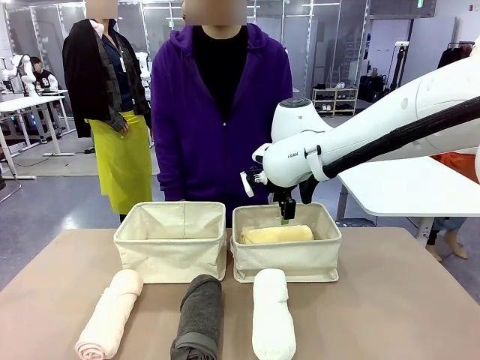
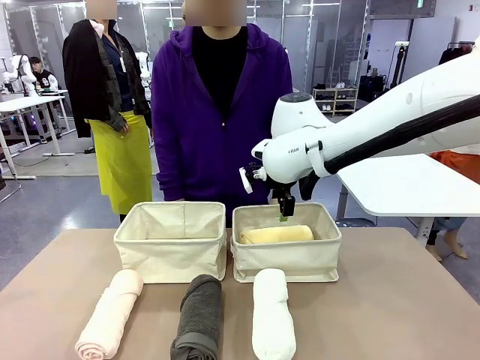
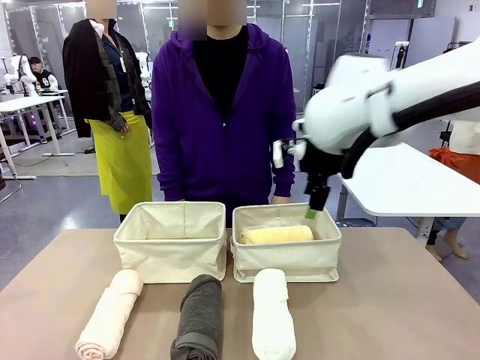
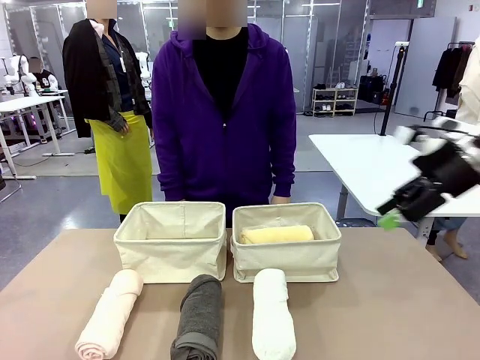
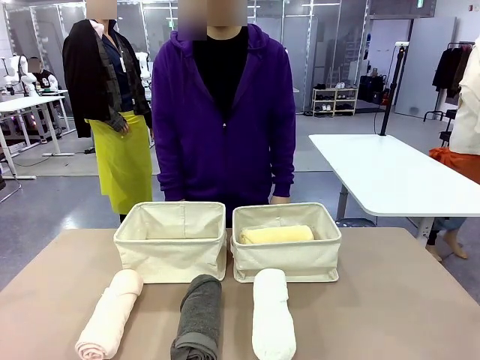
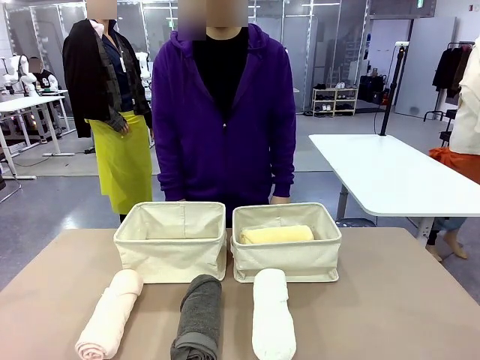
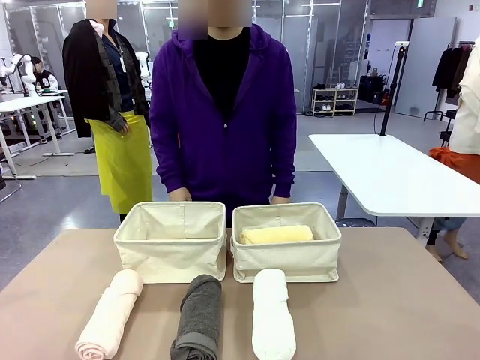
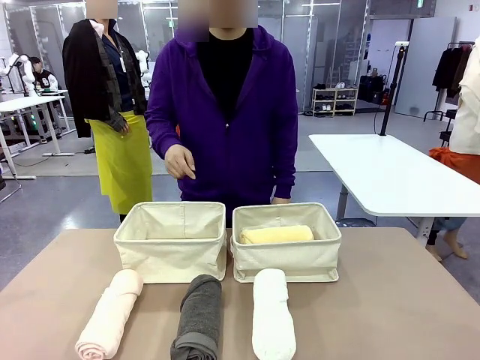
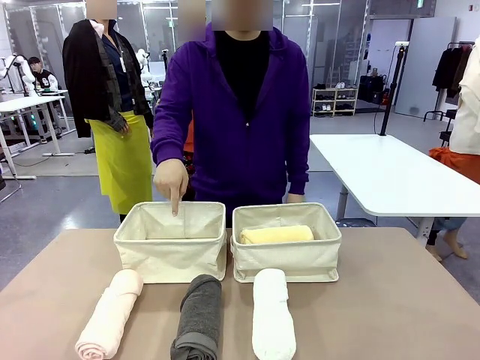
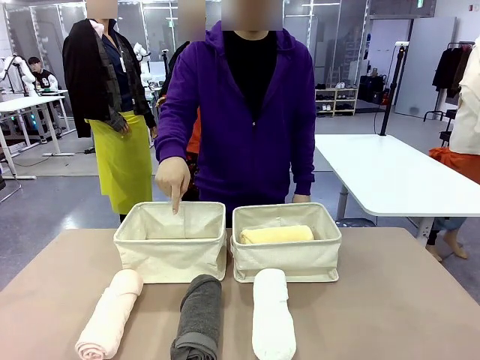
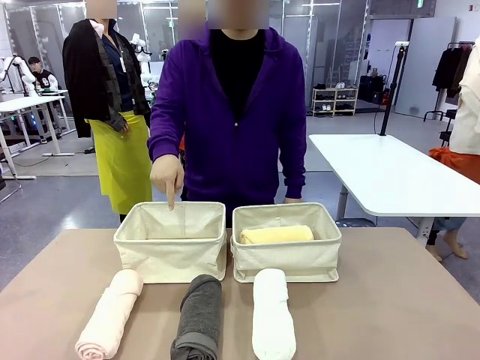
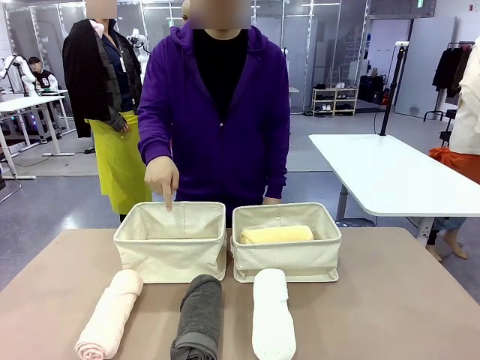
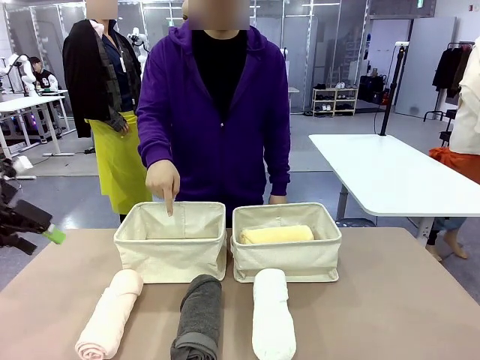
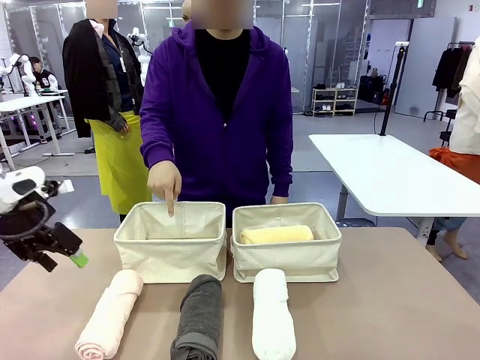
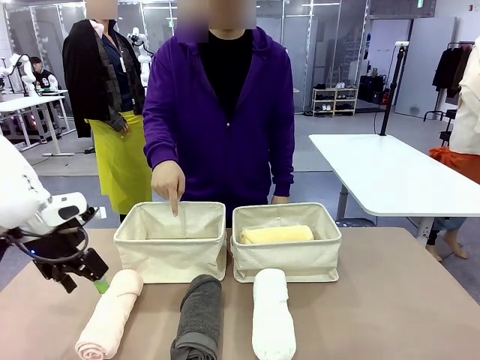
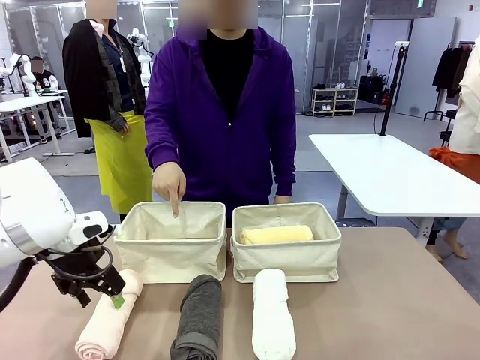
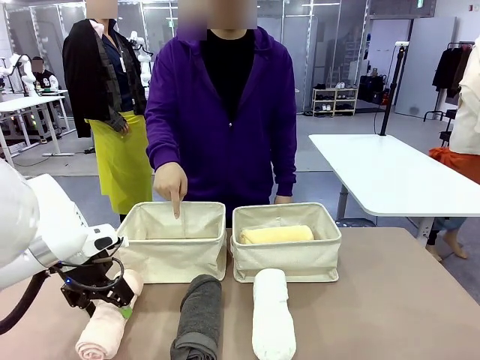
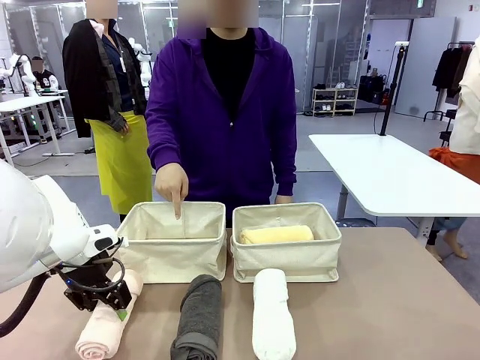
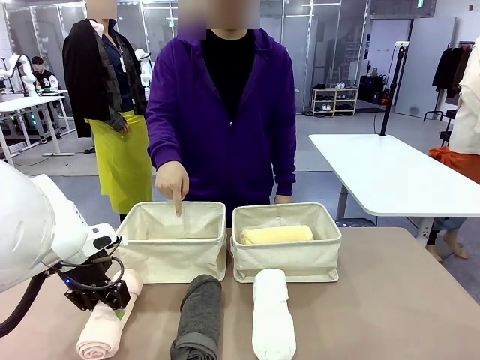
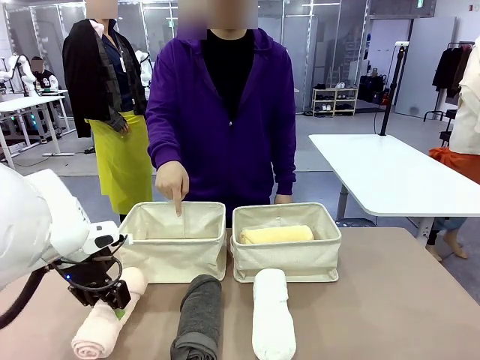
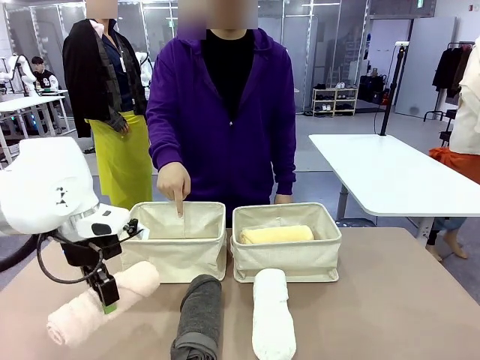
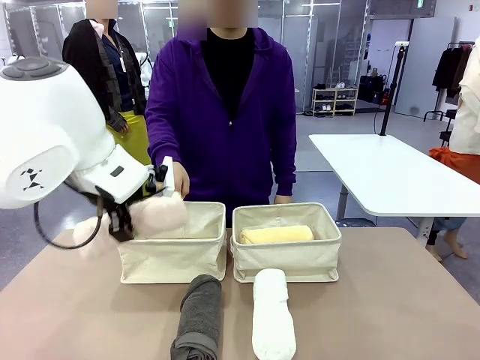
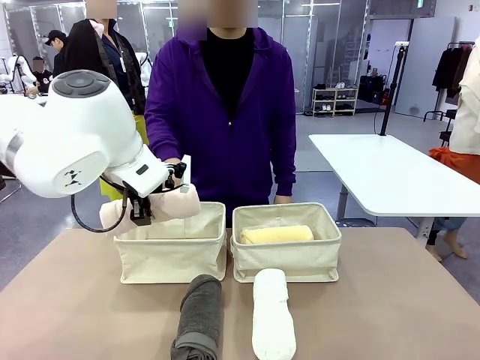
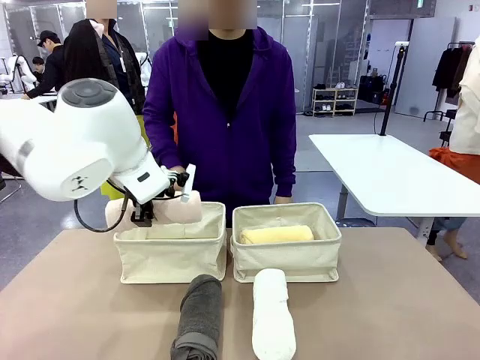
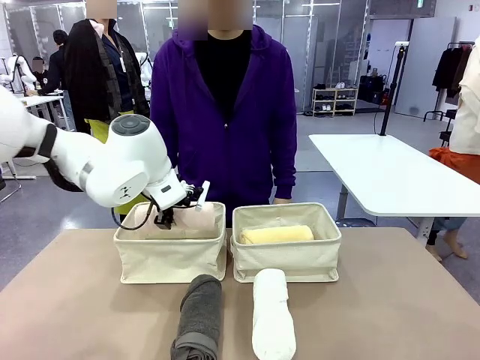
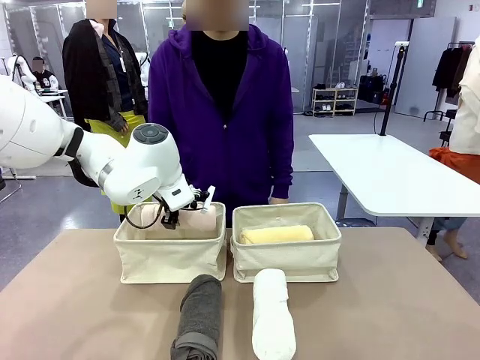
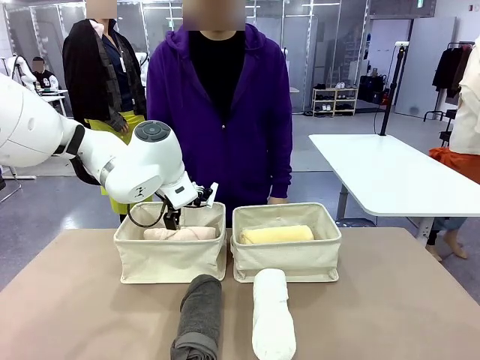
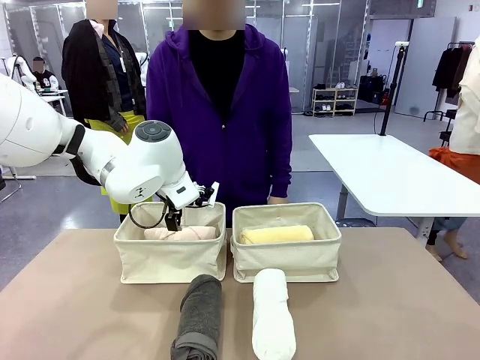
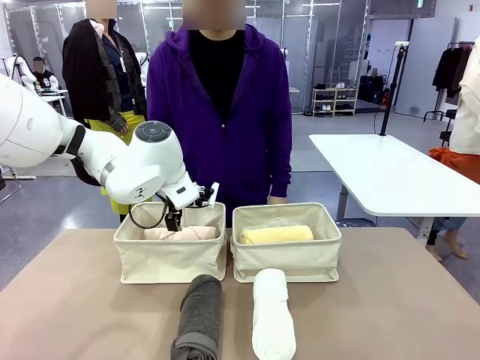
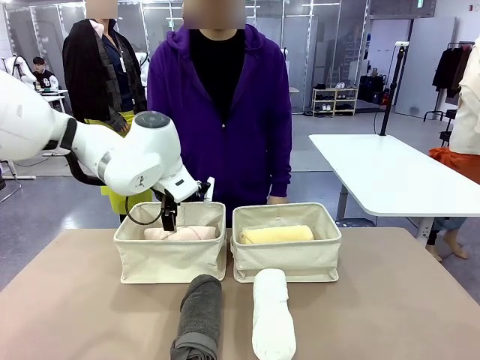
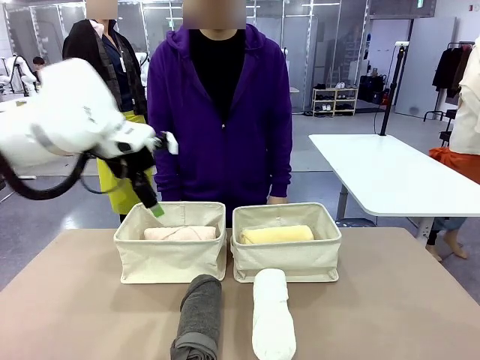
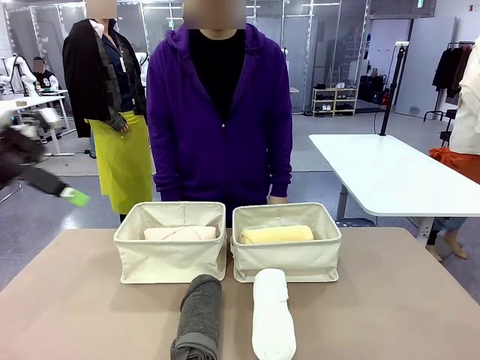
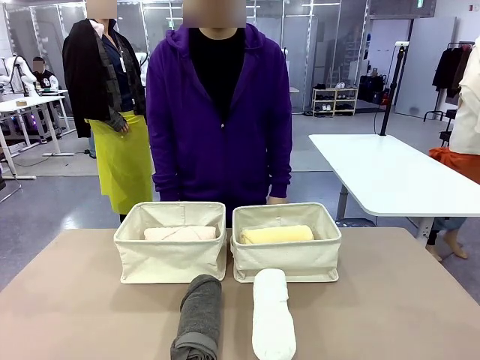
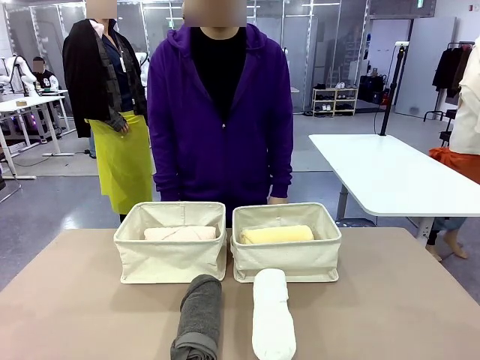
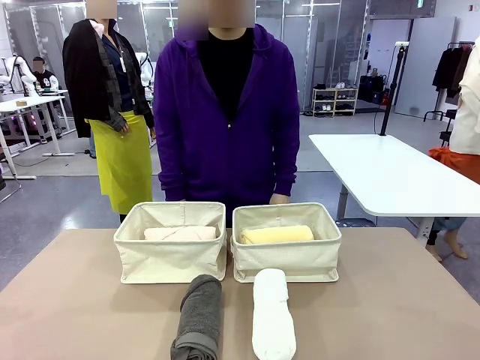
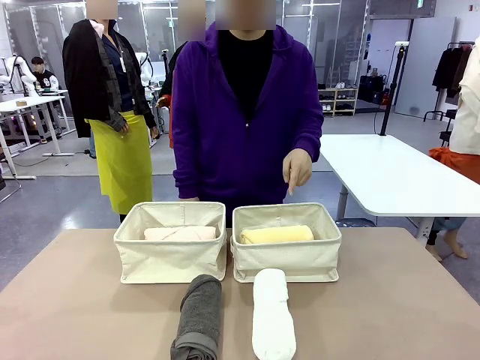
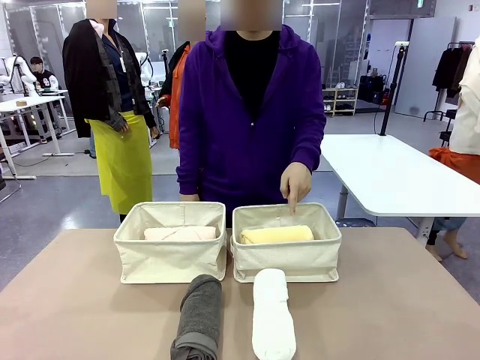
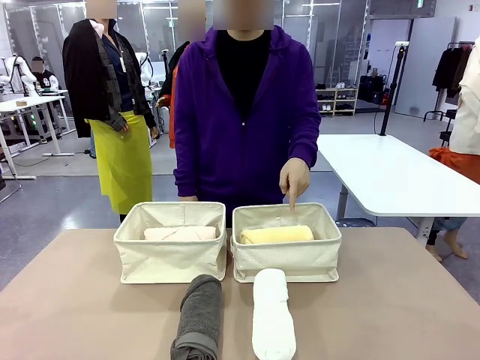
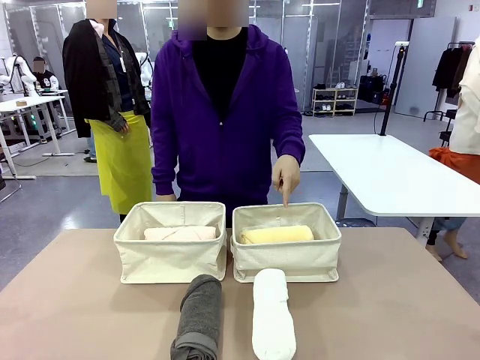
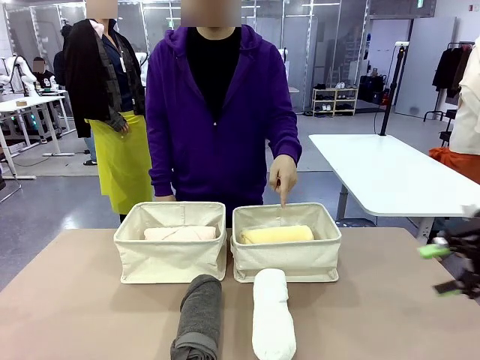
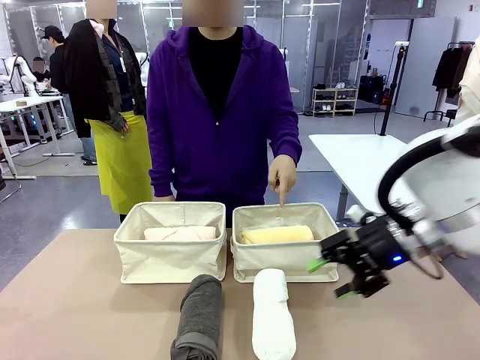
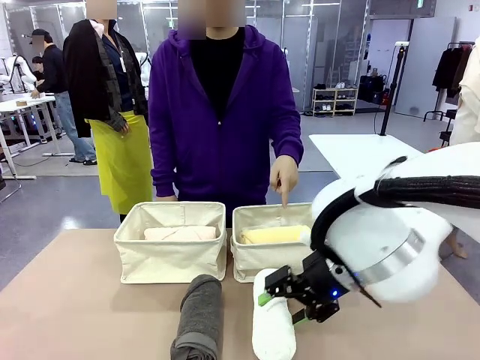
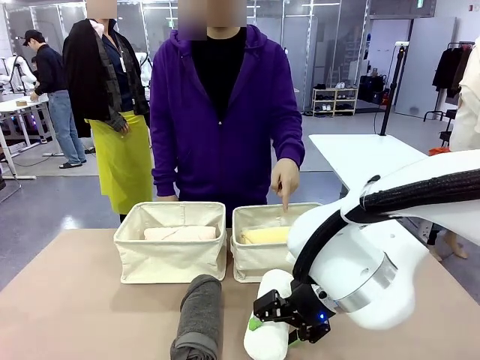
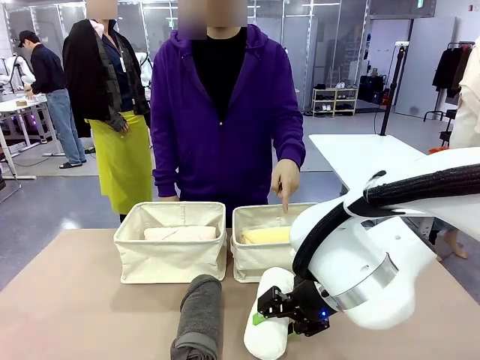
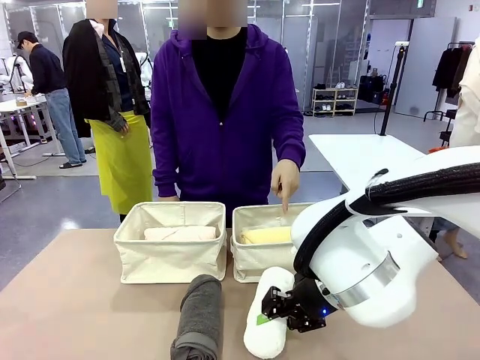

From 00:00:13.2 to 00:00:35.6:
Task: Divide the towels into two baskets.
Robot: Pick up one hotel-folded towel from the bottom of the table and place it in the Fabric basket indicated by the person.
